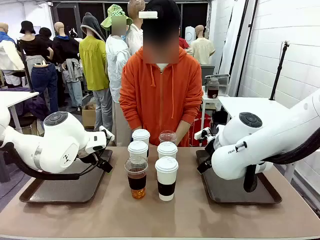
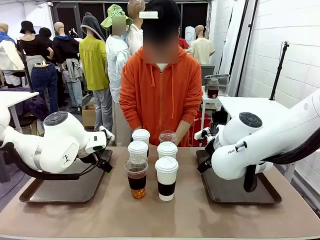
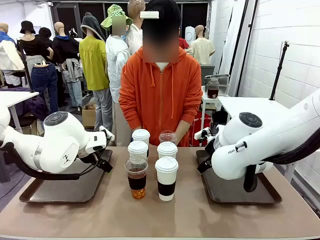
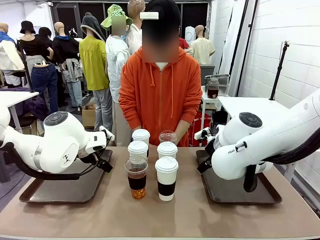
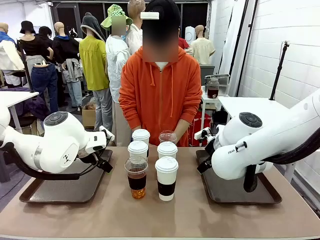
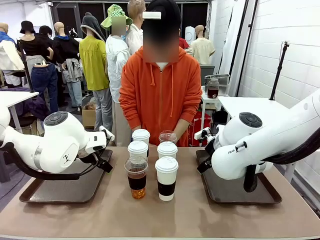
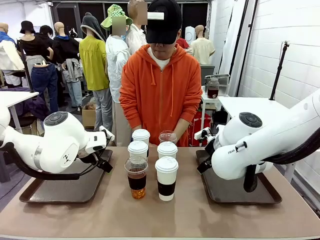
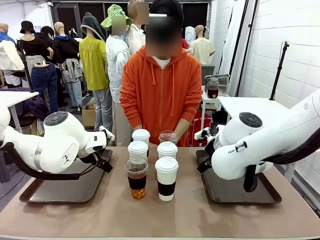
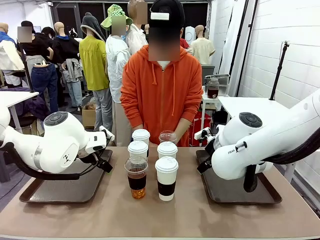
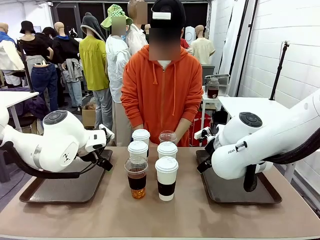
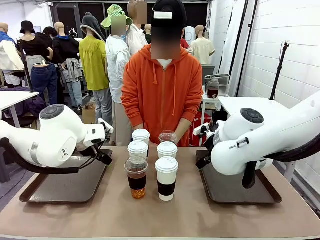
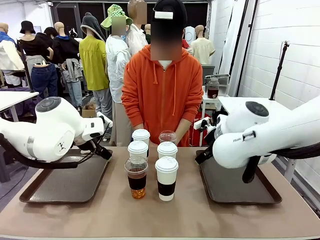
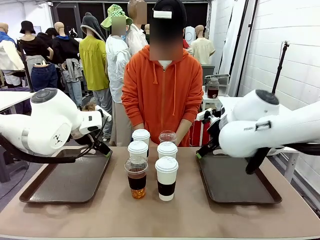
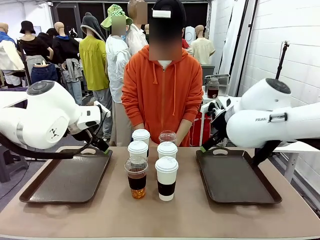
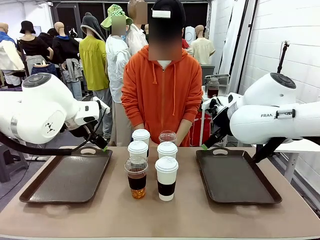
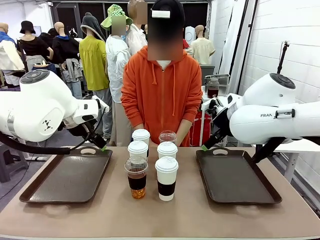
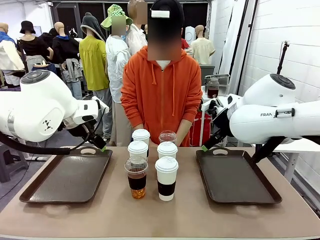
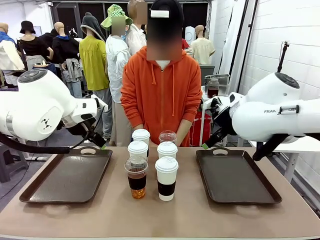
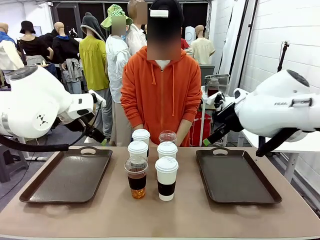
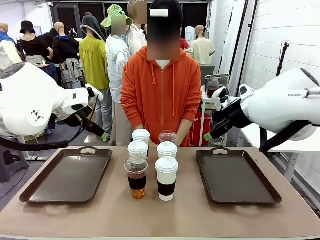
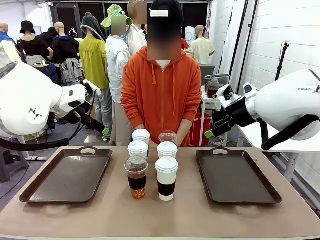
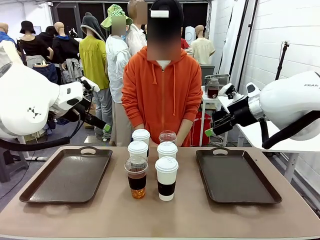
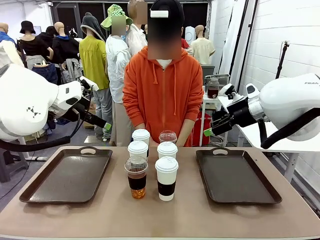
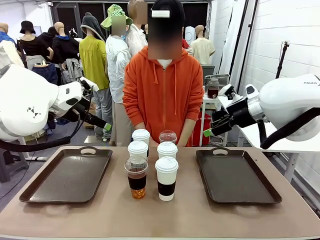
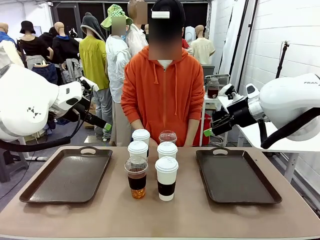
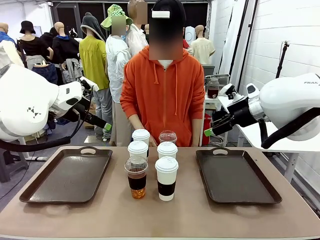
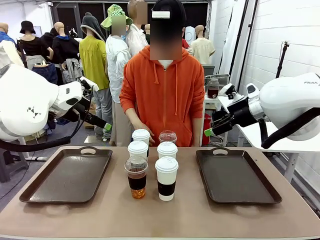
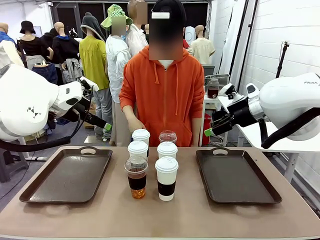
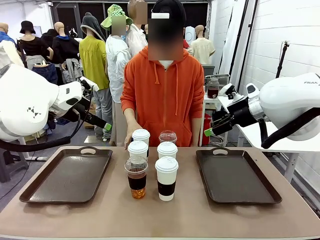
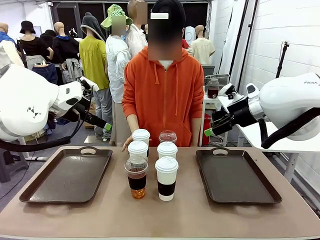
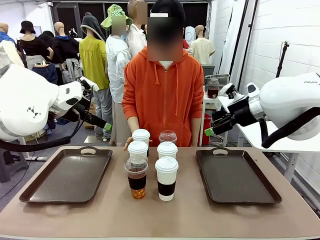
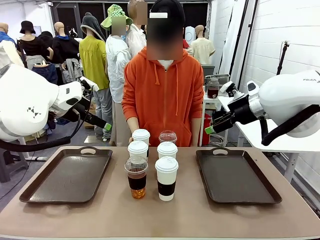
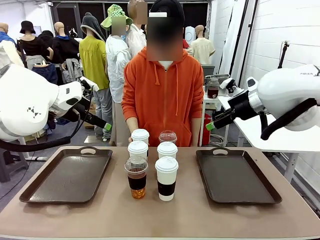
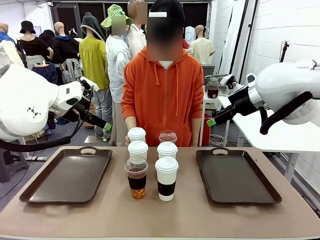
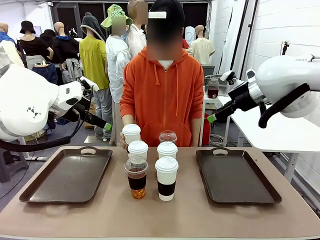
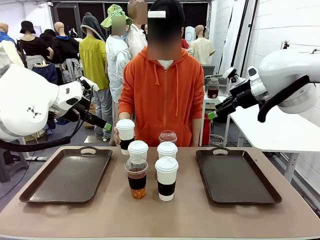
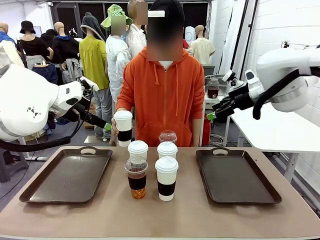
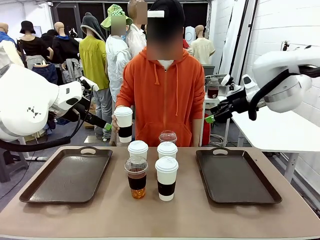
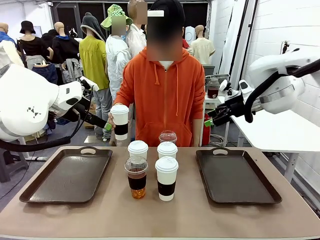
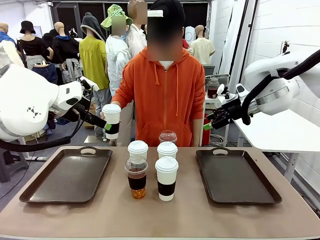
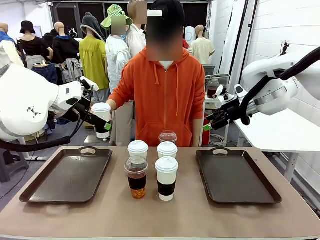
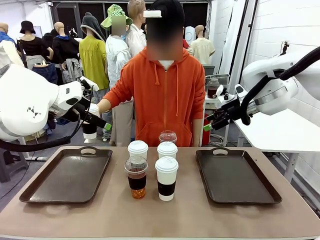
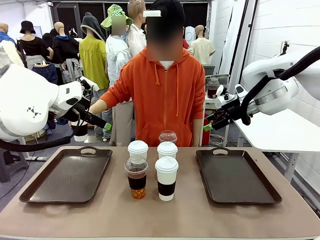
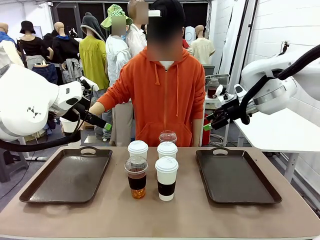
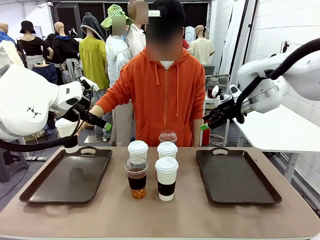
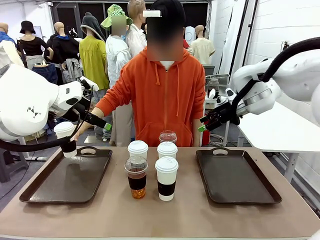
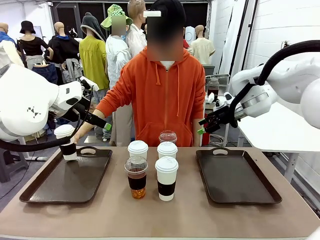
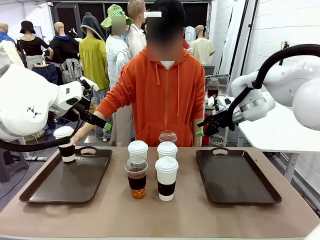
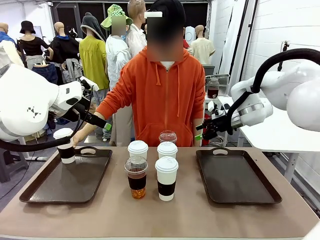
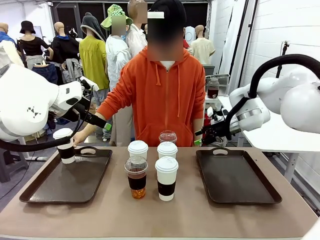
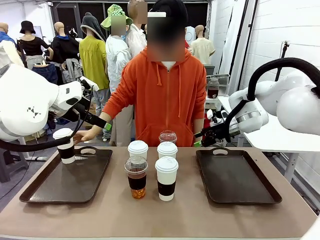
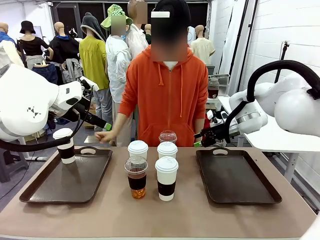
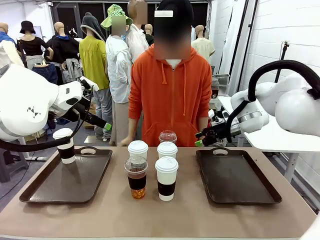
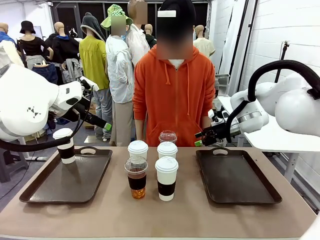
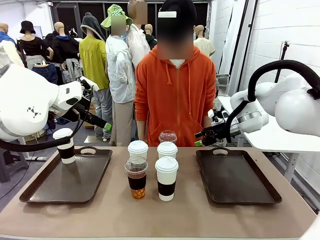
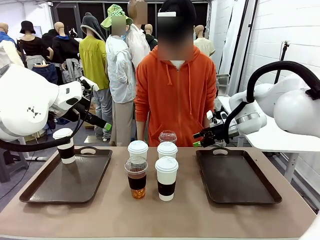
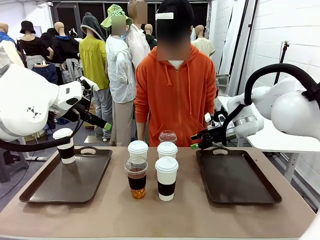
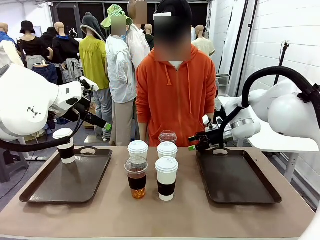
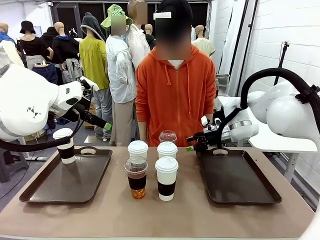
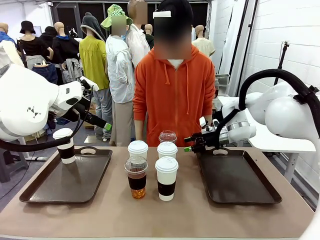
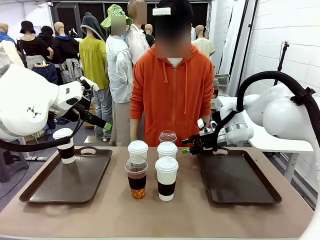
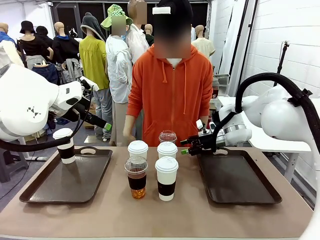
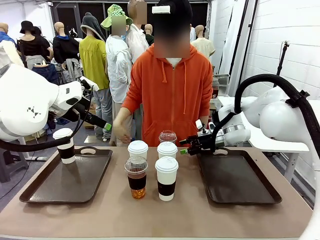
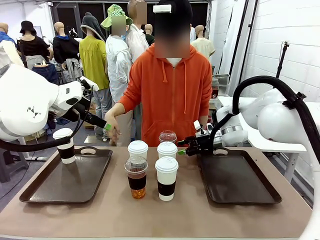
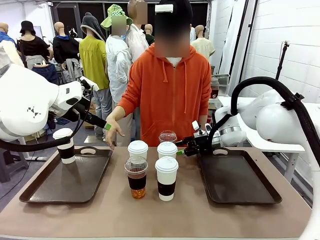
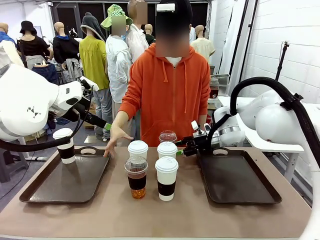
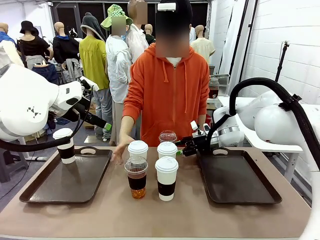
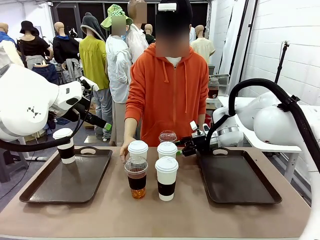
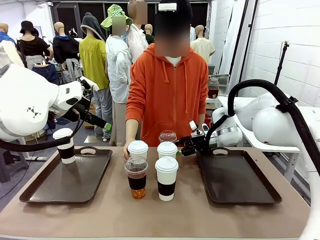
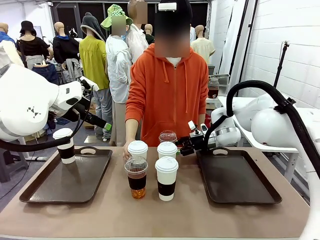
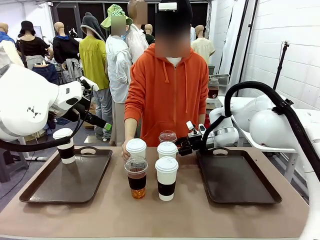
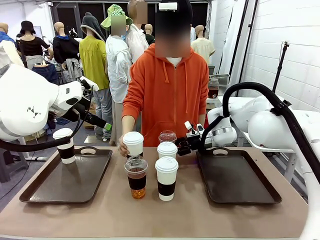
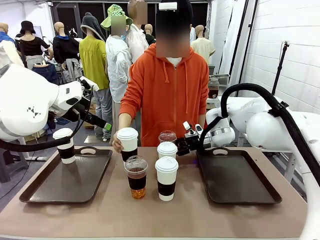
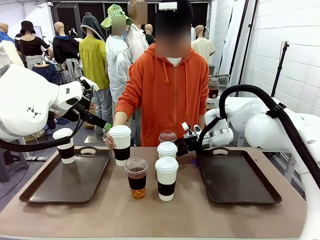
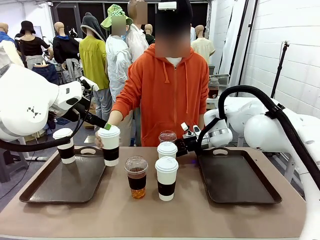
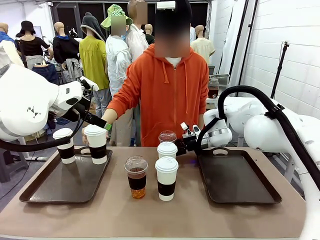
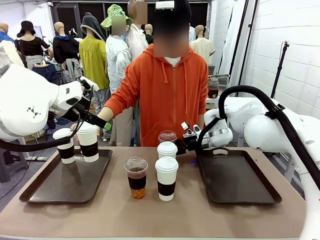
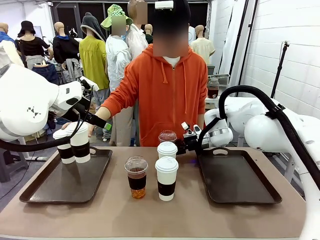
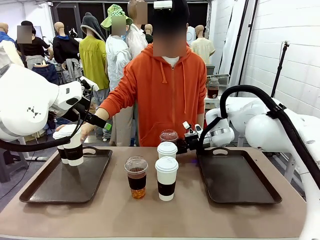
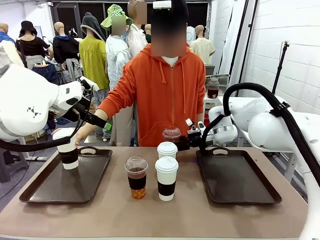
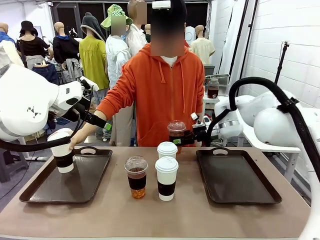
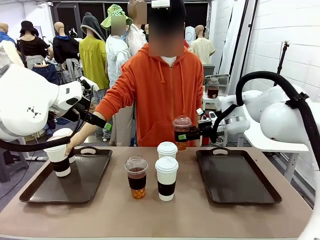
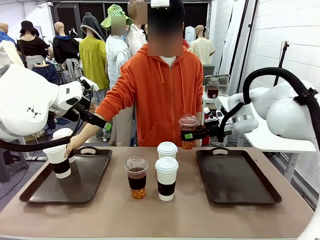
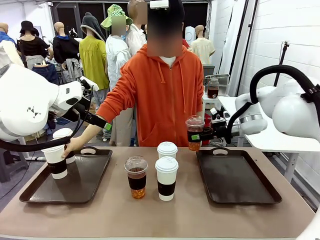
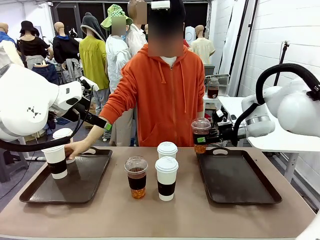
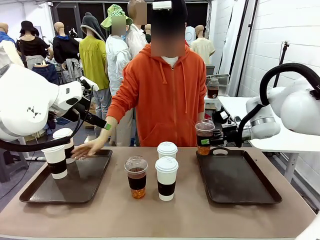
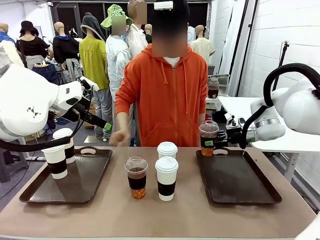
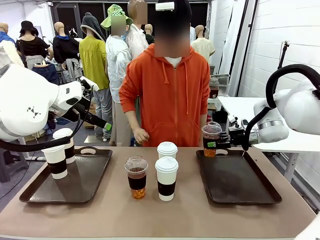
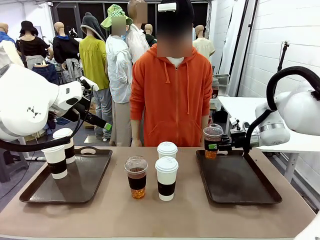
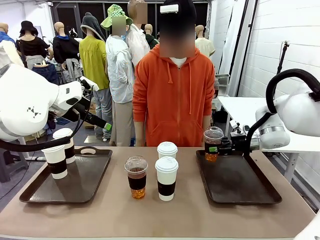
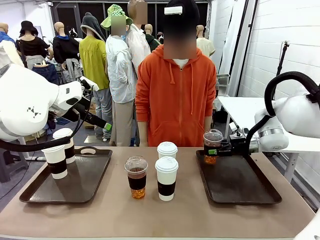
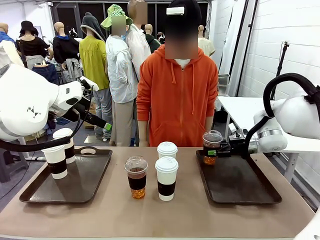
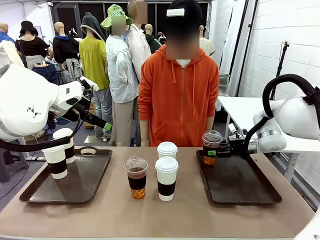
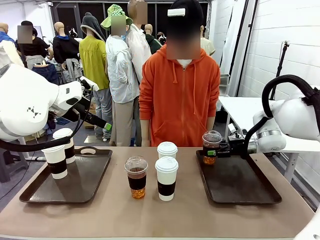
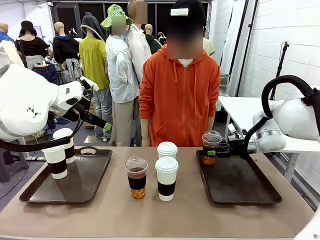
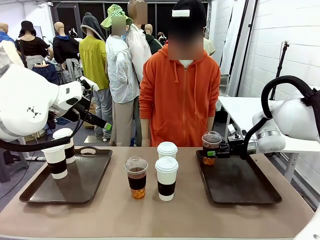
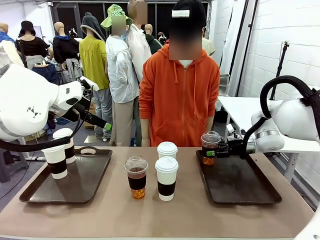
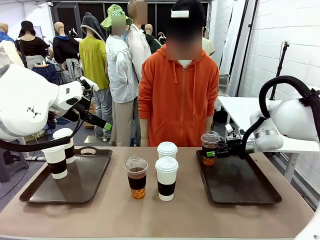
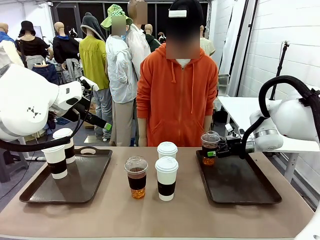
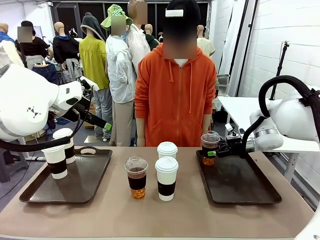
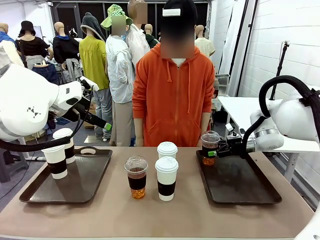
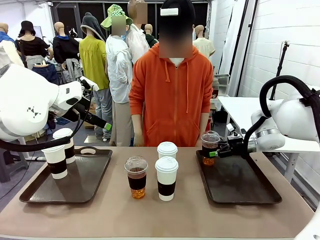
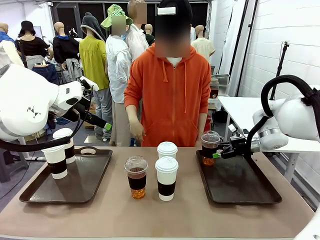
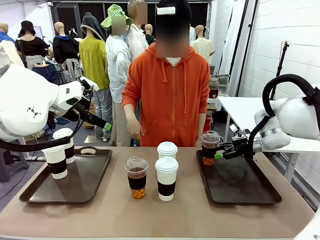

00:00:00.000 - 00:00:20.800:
Task: Distribute the coffee onto the tray.
Robot: Pick up one iced Americano and place it on the right Handle tray.
Person: Pick up a cup of hot Americano and place it on the right tray.
